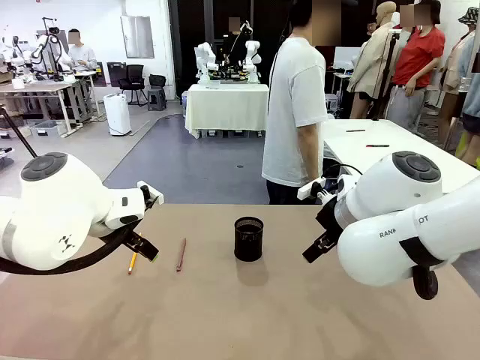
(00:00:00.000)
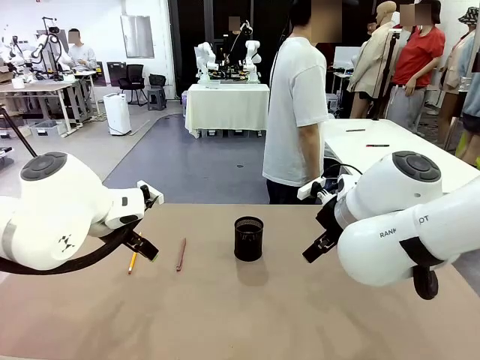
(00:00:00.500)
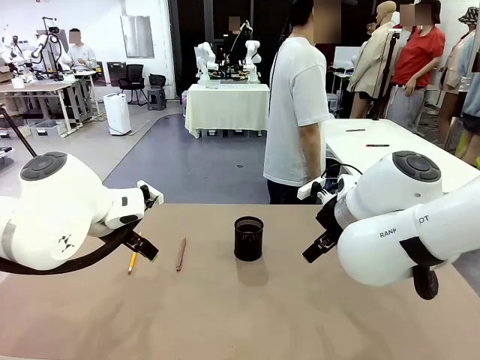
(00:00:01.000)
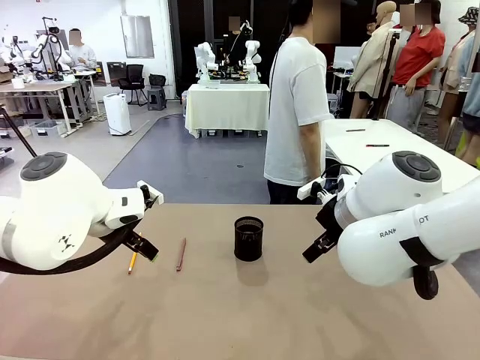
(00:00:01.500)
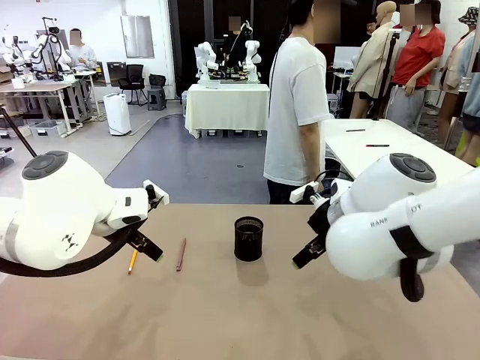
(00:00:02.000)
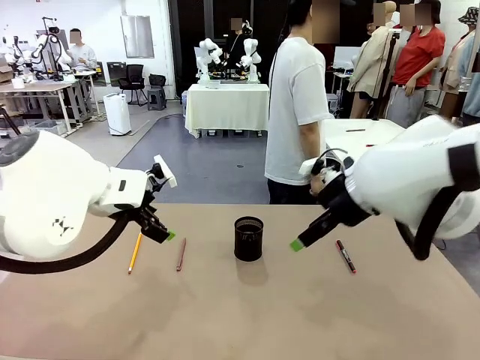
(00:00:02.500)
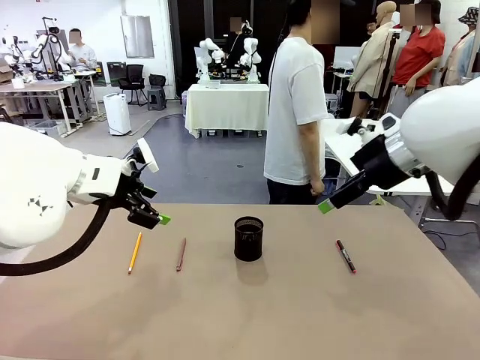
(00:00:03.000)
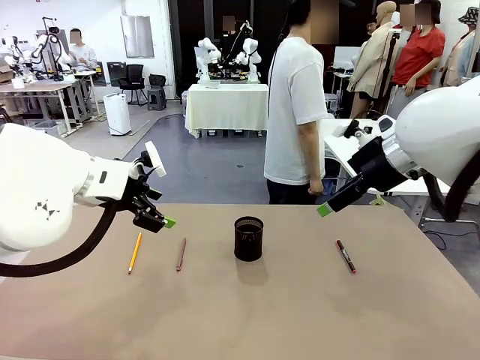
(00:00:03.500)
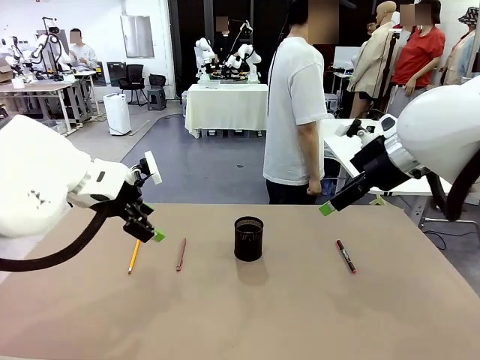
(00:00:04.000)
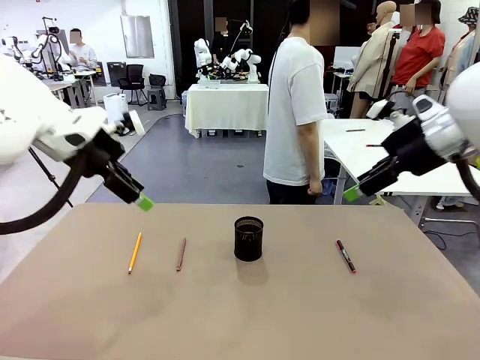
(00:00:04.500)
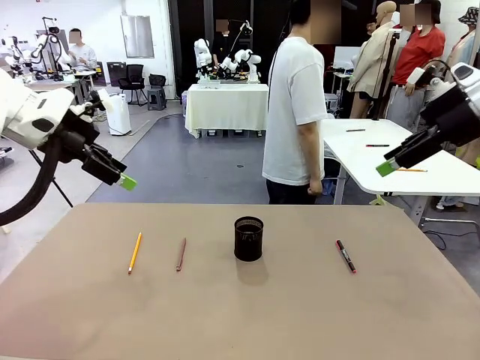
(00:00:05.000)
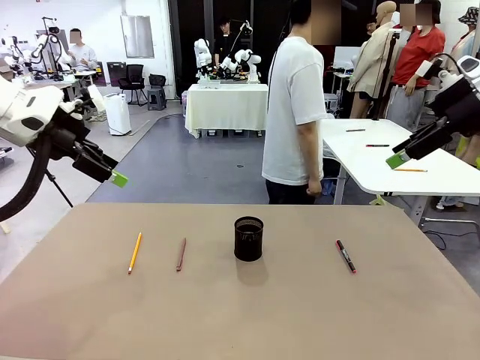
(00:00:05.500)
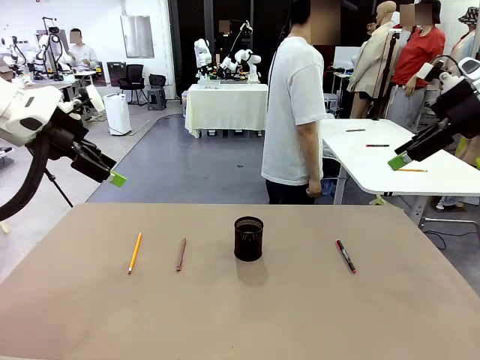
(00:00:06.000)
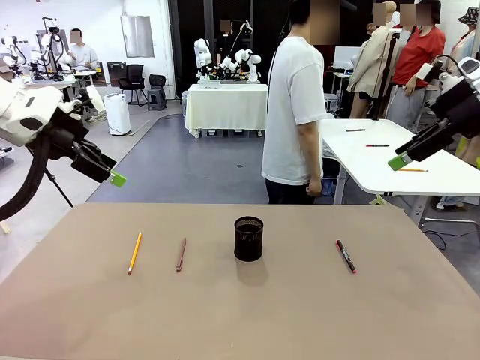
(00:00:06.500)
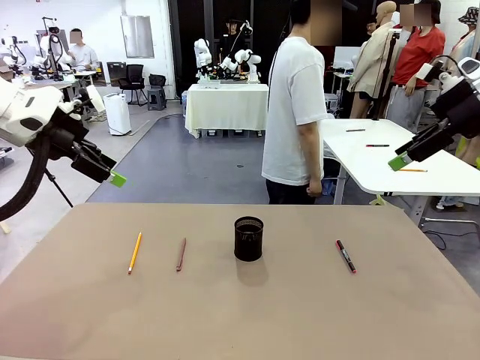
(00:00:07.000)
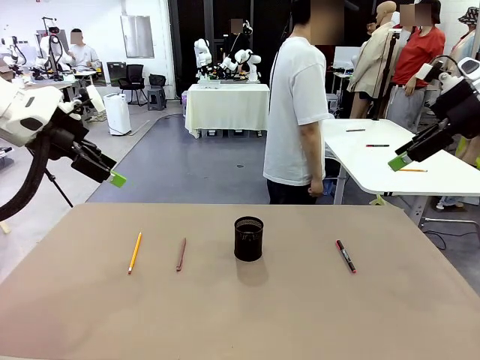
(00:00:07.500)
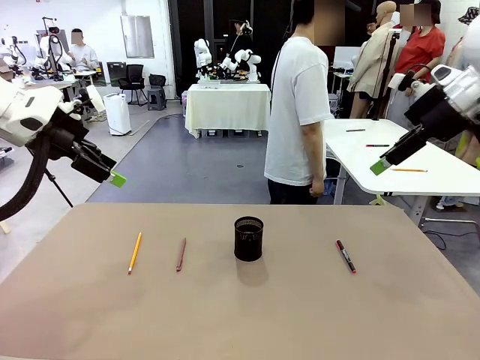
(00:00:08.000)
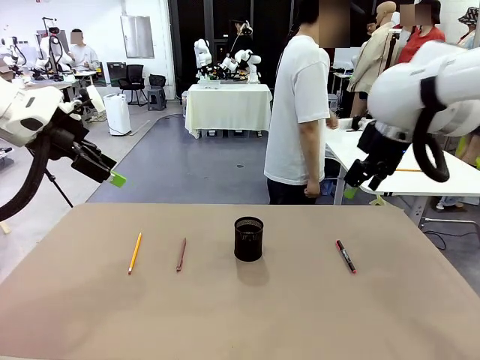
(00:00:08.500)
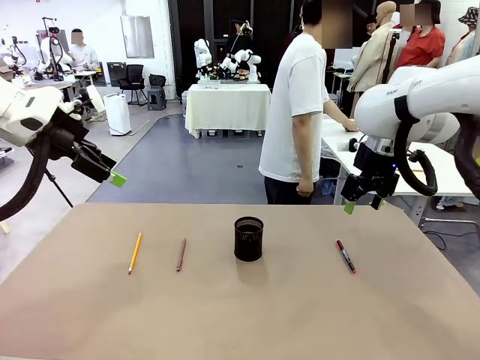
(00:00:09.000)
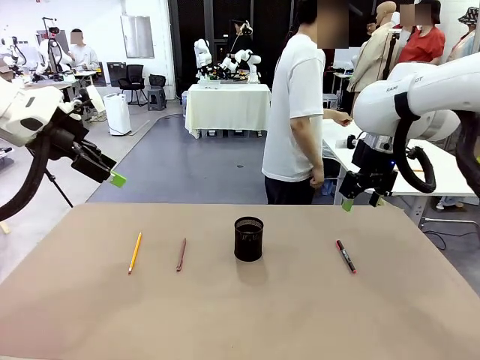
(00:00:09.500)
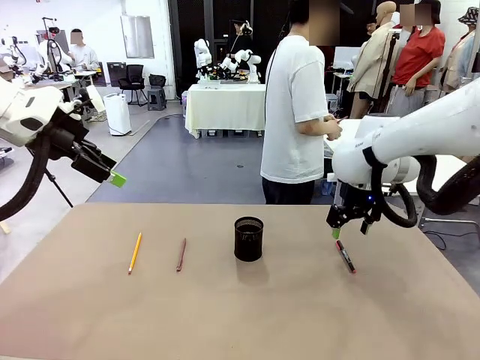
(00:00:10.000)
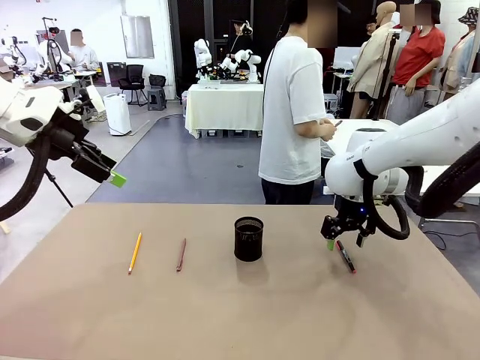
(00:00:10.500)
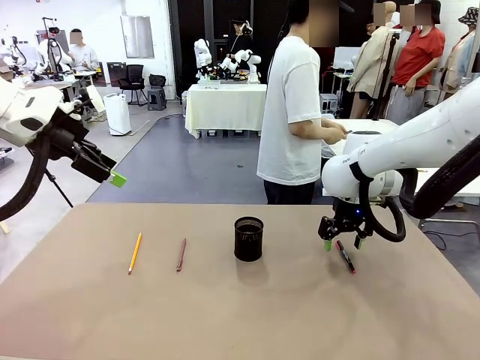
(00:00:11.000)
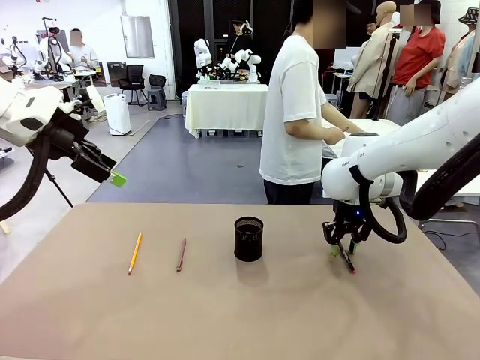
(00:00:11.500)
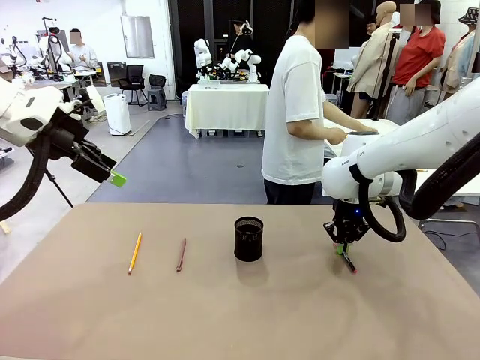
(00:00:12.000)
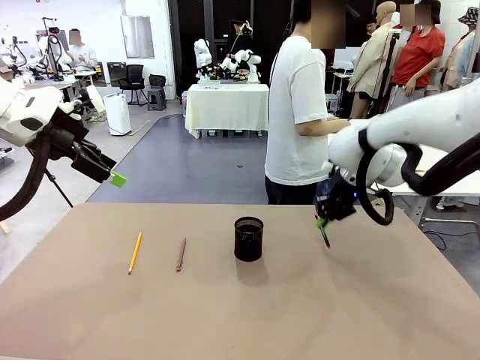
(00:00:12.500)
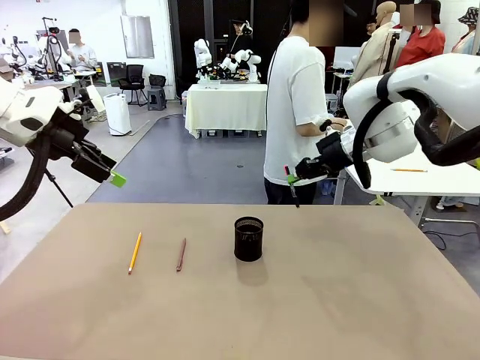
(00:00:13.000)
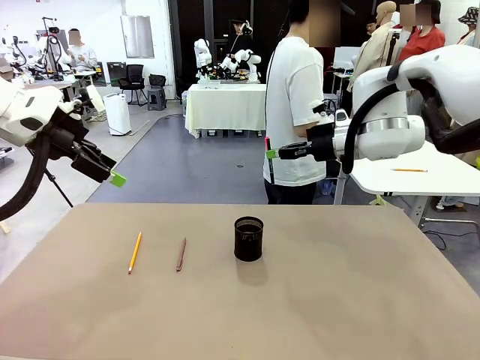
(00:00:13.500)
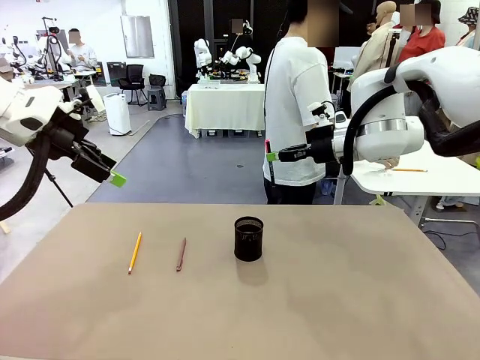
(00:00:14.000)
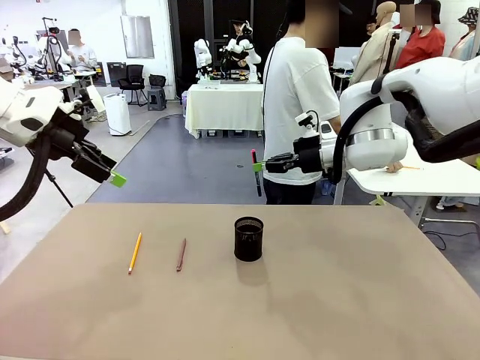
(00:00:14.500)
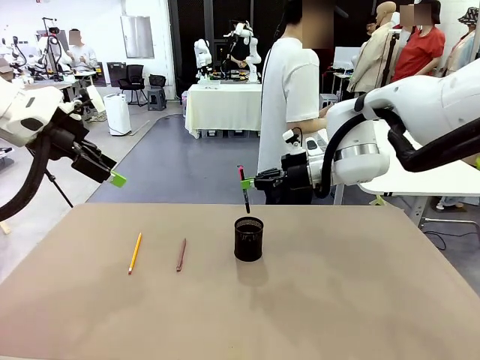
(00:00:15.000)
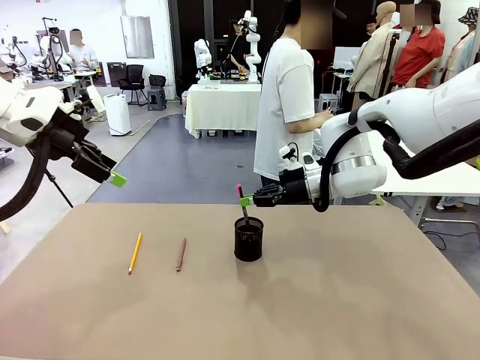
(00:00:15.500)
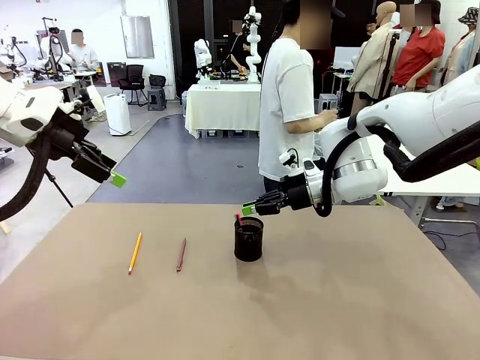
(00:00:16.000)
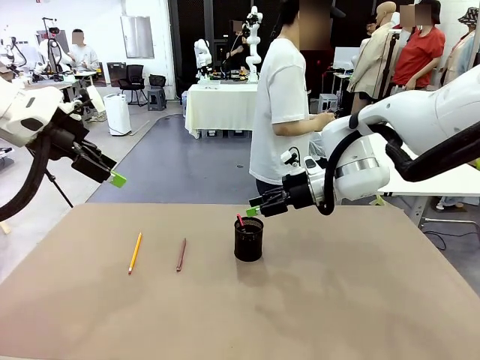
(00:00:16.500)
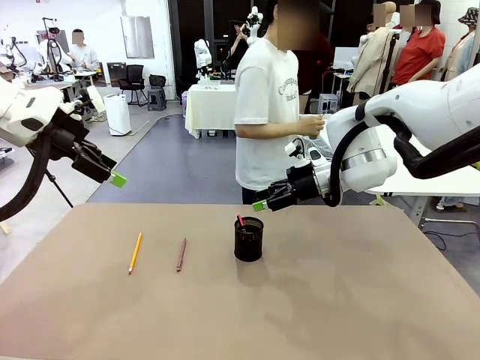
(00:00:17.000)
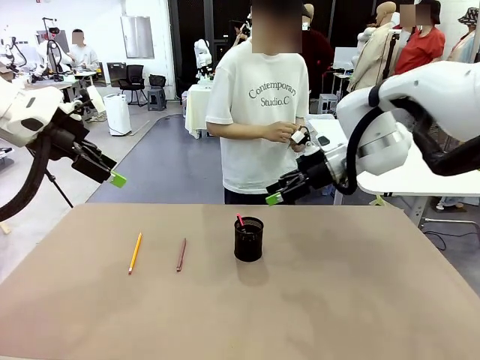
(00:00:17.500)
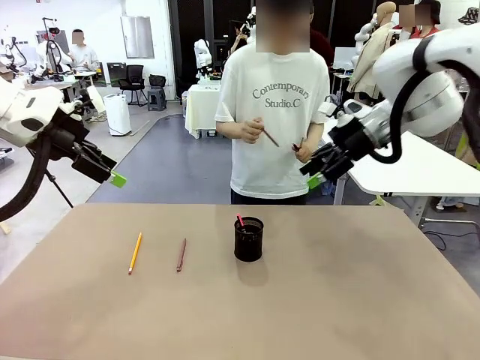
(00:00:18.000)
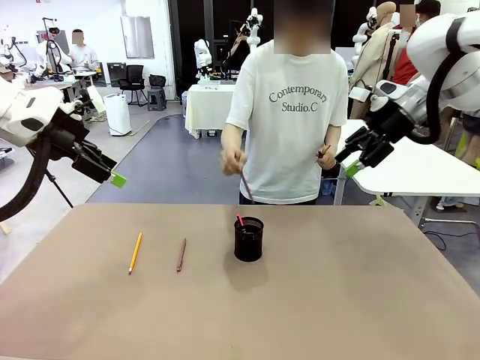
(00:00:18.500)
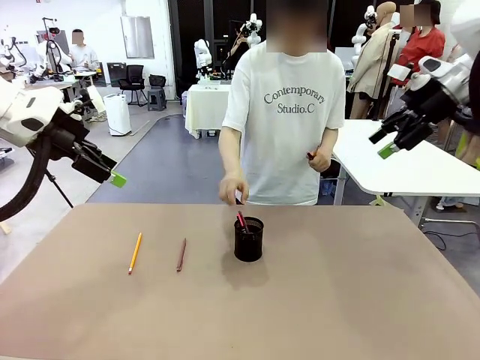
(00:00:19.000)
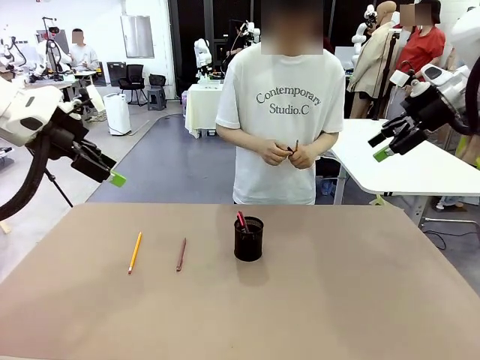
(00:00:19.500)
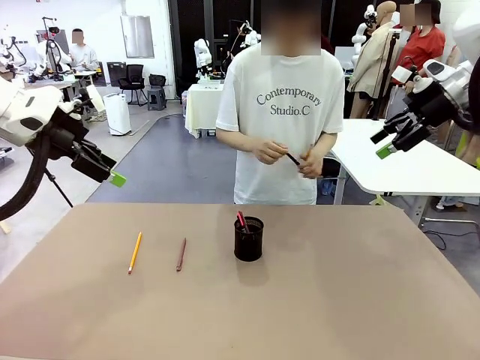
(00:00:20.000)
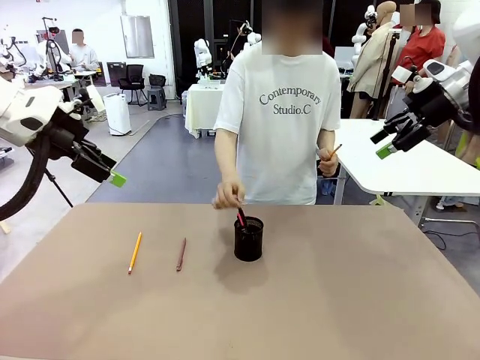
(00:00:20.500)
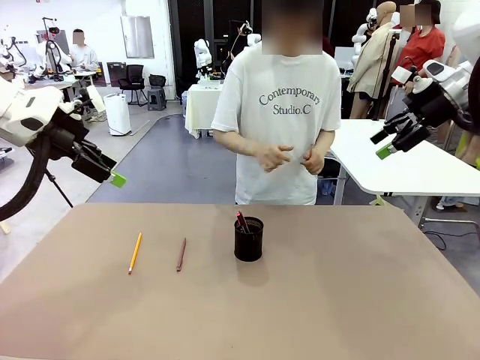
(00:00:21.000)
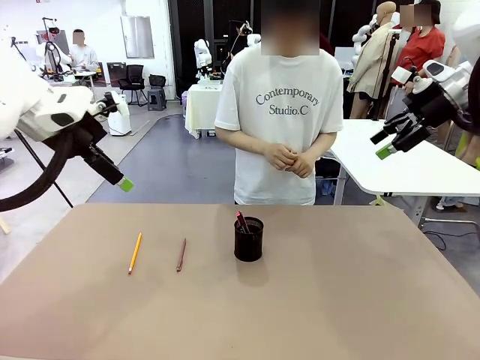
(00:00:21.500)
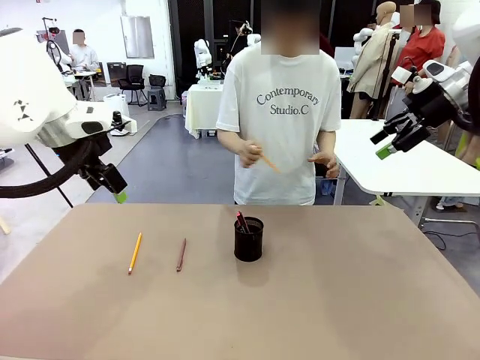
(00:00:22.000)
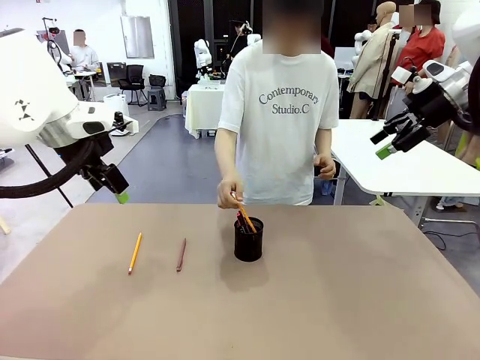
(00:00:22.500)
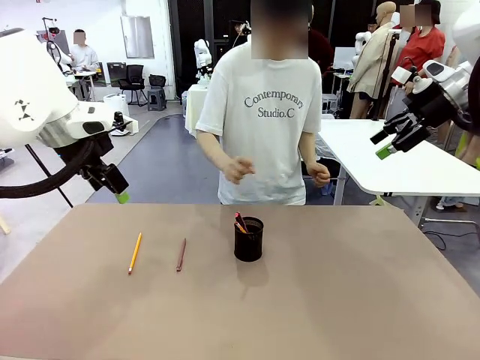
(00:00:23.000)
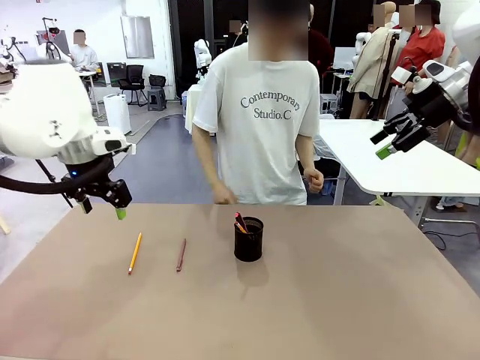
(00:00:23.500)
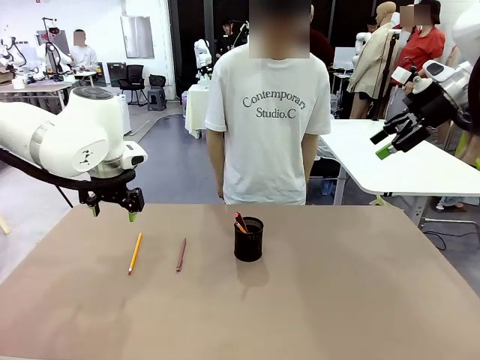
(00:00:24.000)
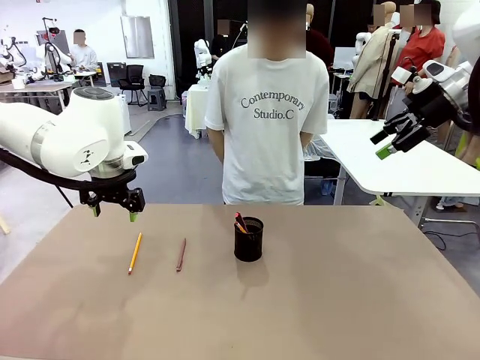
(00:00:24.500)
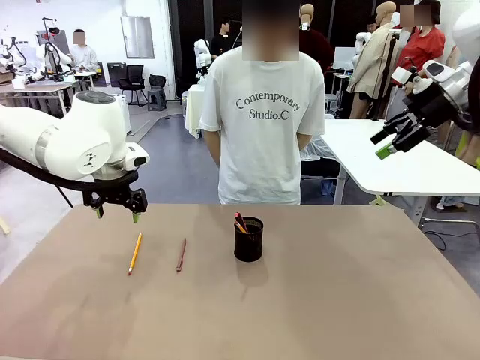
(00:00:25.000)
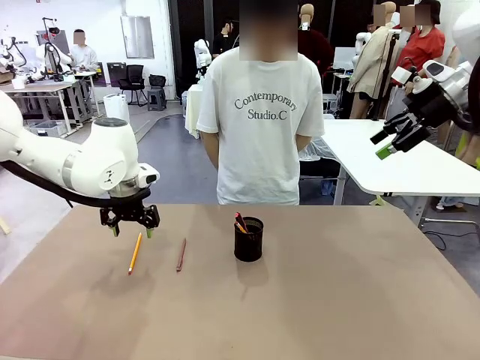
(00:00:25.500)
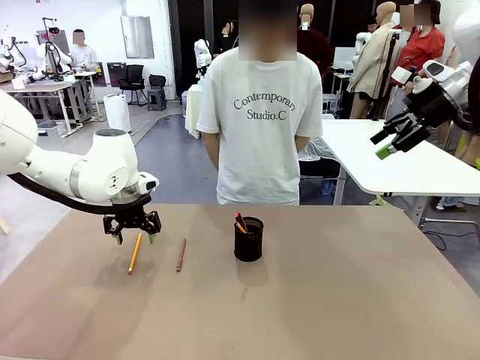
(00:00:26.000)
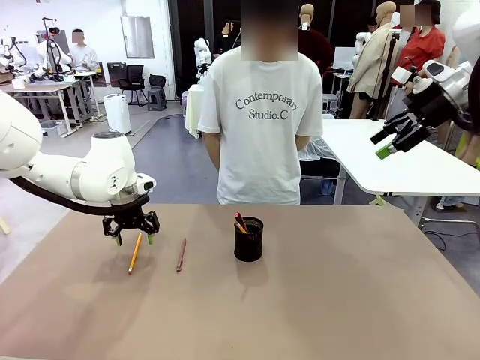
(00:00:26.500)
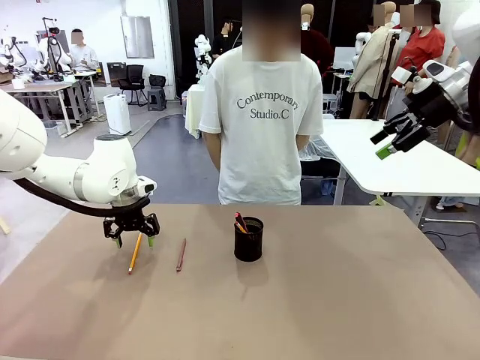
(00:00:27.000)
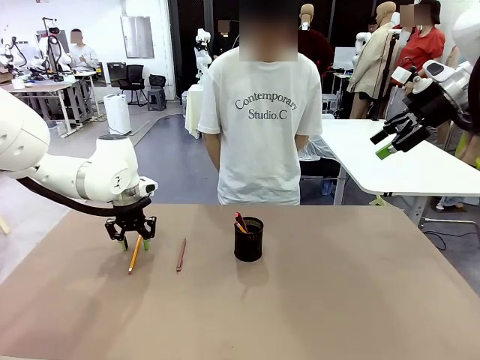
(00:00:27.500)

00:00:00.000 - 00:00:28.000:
Task: Place the pens into the pen holder.
Robot: Pick up a writing instrument from the table and place it into the Pen holder.
Person: Pick up all writing instruments from the Human table.
